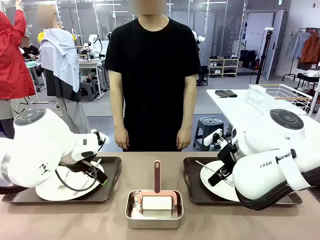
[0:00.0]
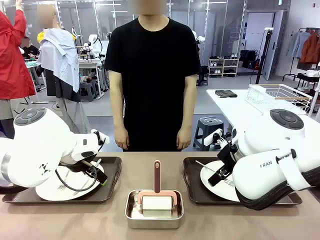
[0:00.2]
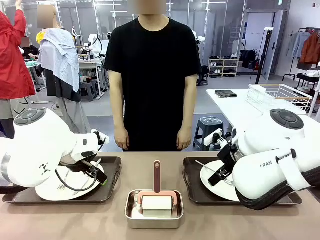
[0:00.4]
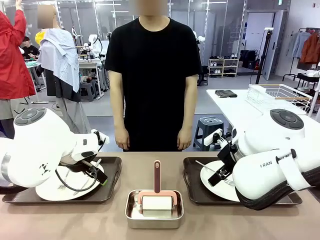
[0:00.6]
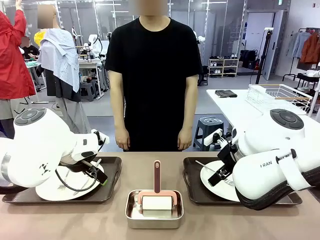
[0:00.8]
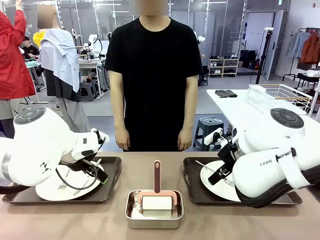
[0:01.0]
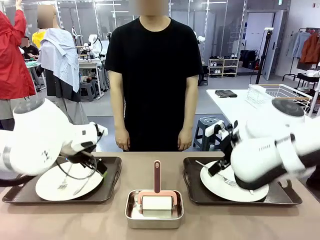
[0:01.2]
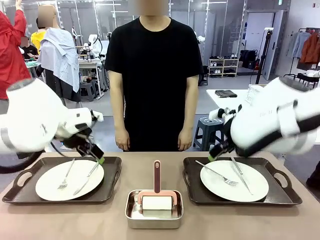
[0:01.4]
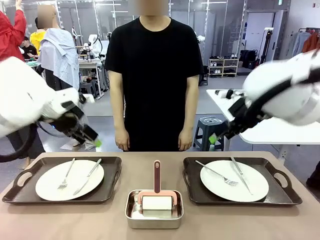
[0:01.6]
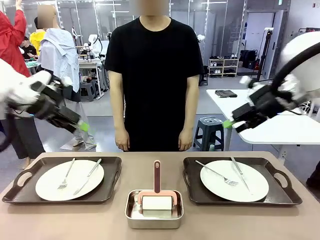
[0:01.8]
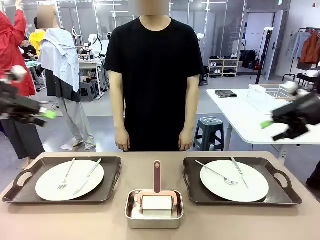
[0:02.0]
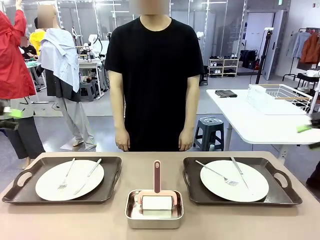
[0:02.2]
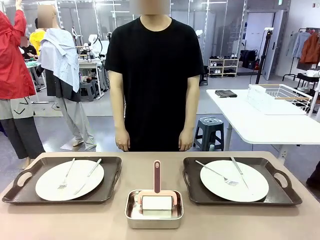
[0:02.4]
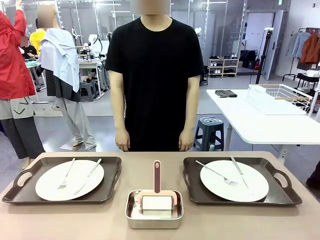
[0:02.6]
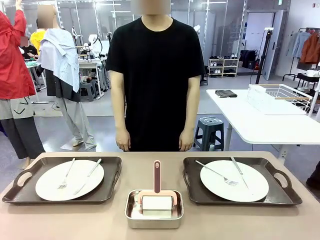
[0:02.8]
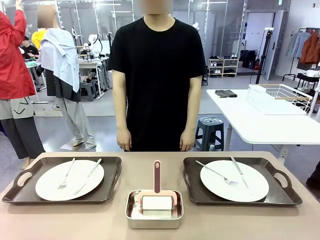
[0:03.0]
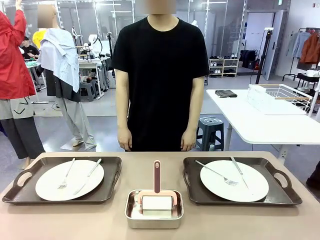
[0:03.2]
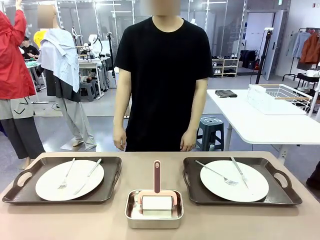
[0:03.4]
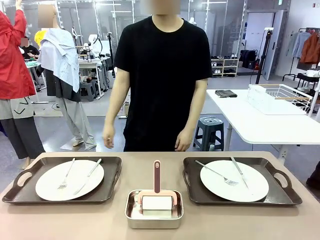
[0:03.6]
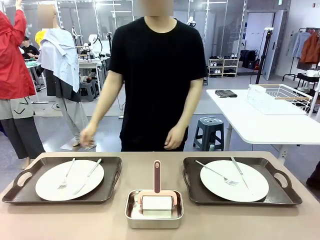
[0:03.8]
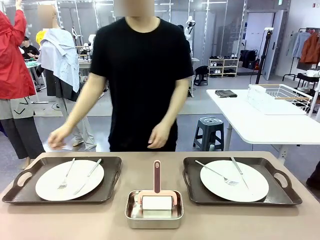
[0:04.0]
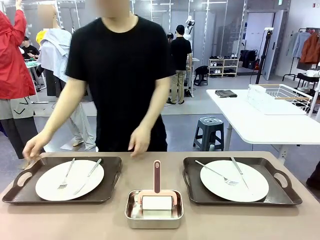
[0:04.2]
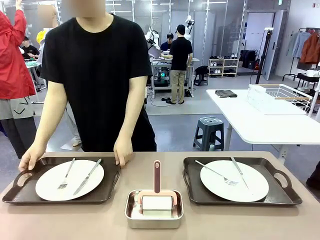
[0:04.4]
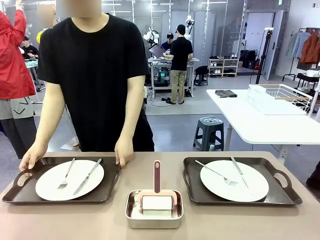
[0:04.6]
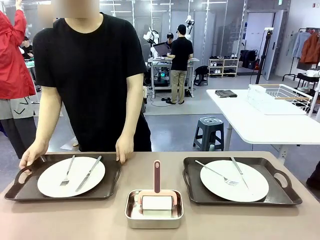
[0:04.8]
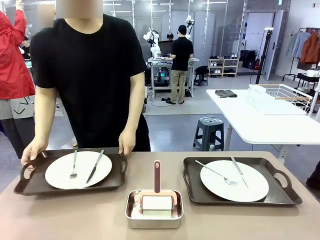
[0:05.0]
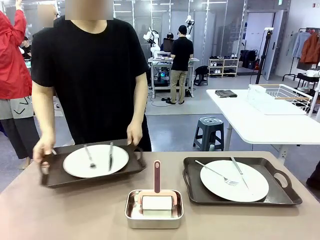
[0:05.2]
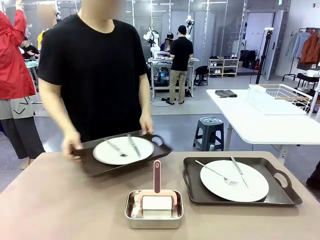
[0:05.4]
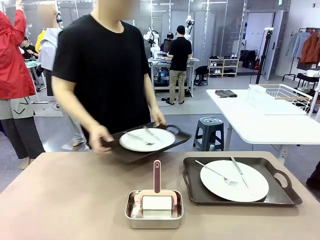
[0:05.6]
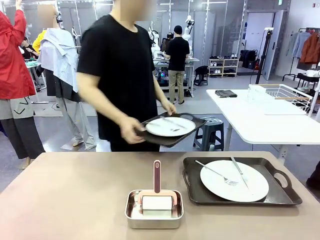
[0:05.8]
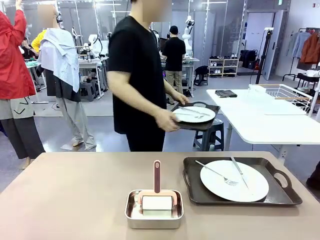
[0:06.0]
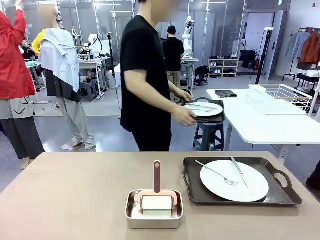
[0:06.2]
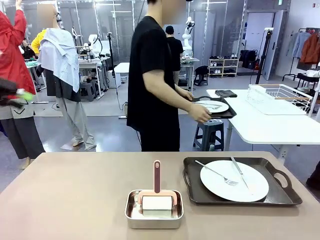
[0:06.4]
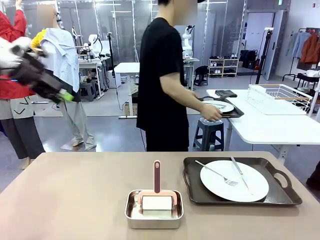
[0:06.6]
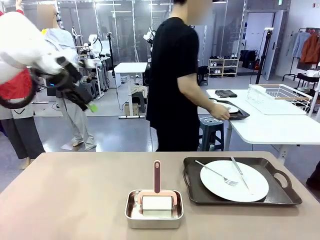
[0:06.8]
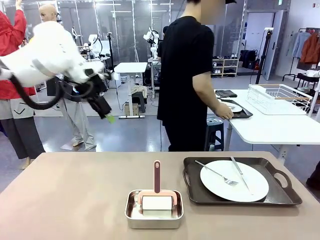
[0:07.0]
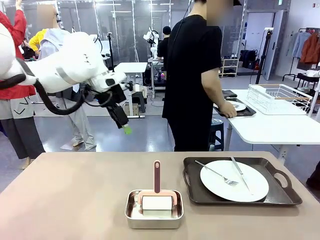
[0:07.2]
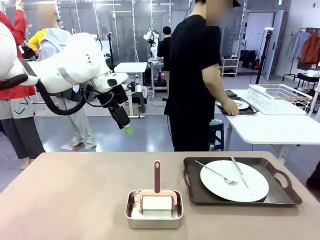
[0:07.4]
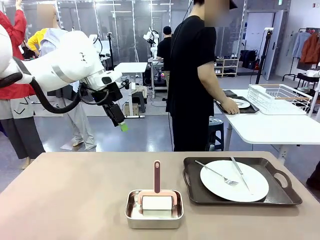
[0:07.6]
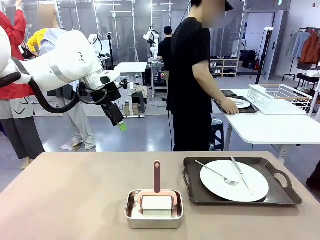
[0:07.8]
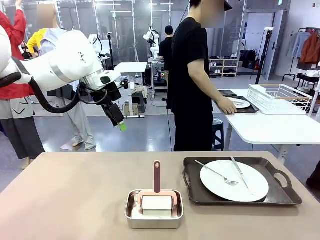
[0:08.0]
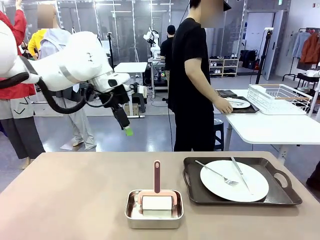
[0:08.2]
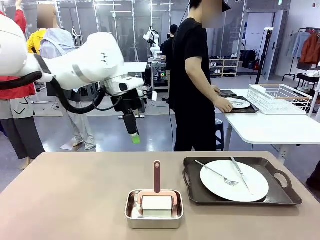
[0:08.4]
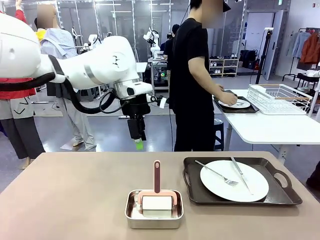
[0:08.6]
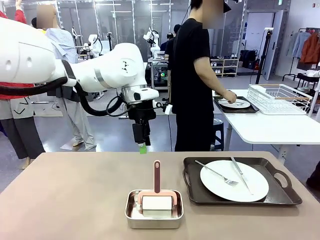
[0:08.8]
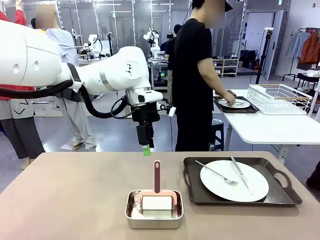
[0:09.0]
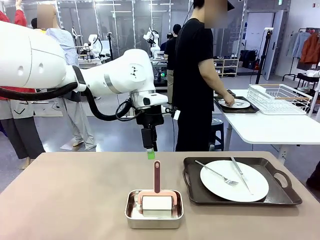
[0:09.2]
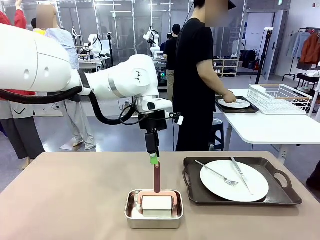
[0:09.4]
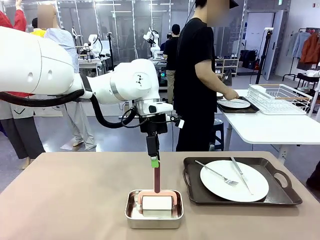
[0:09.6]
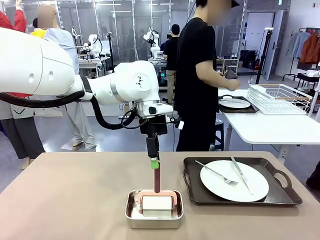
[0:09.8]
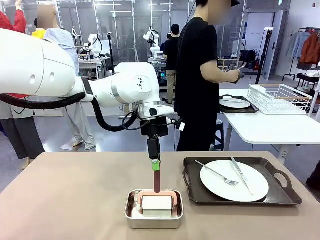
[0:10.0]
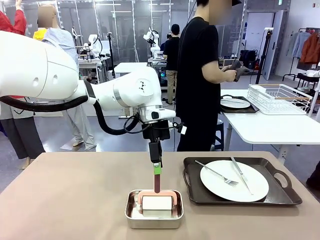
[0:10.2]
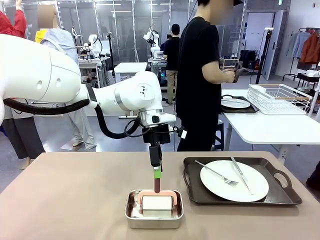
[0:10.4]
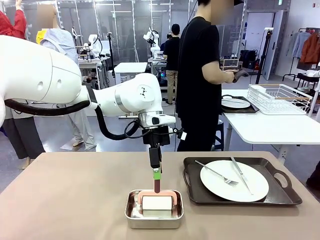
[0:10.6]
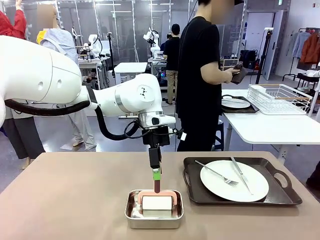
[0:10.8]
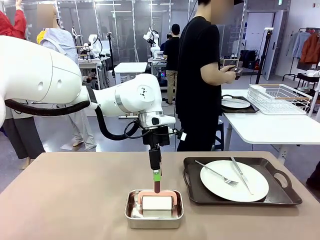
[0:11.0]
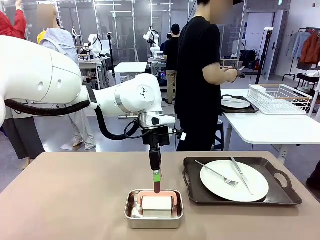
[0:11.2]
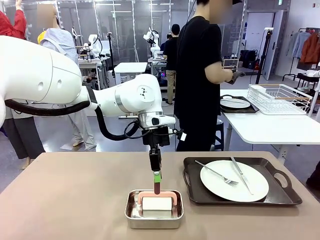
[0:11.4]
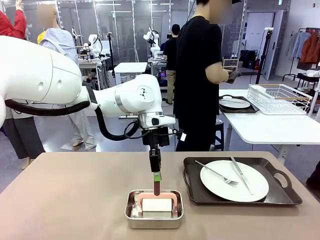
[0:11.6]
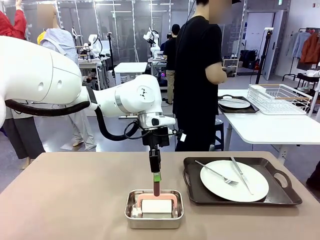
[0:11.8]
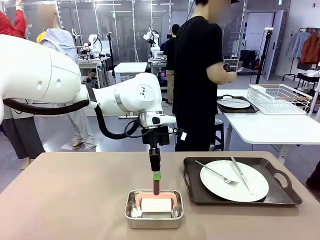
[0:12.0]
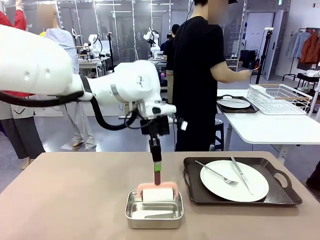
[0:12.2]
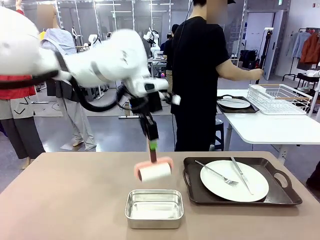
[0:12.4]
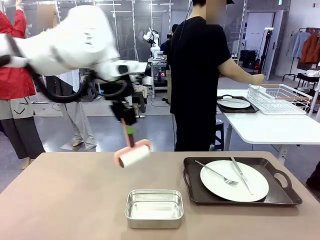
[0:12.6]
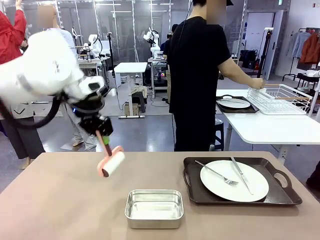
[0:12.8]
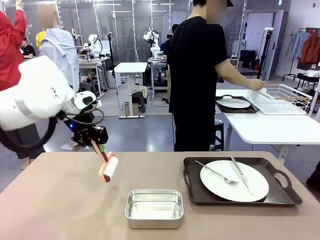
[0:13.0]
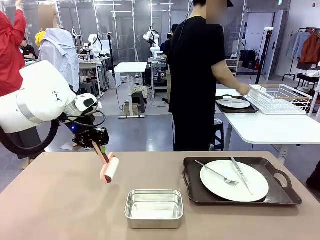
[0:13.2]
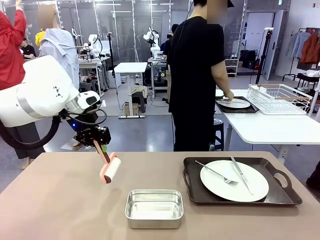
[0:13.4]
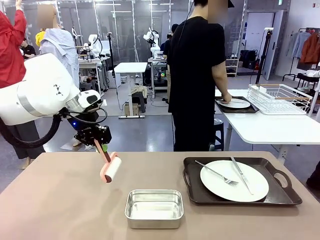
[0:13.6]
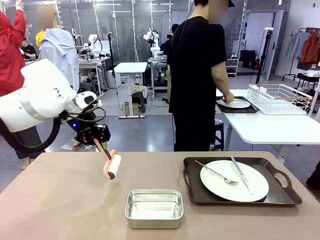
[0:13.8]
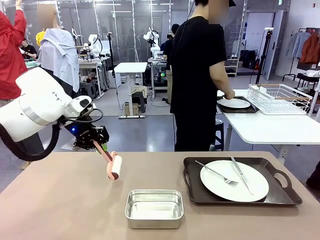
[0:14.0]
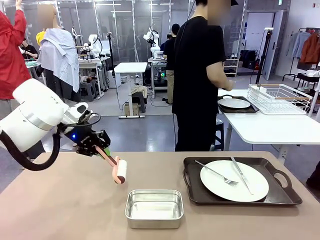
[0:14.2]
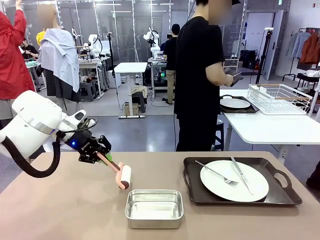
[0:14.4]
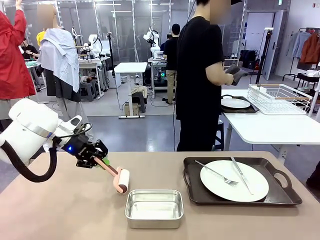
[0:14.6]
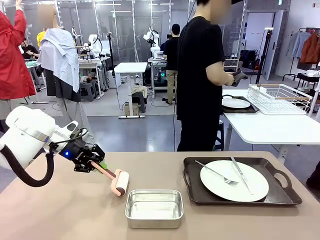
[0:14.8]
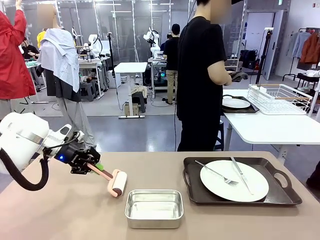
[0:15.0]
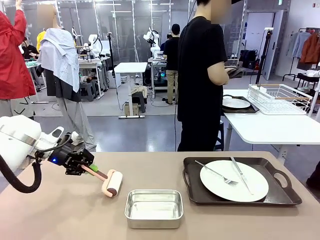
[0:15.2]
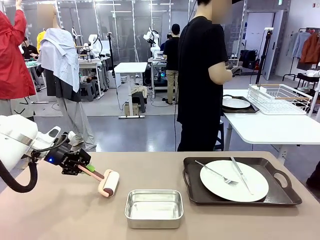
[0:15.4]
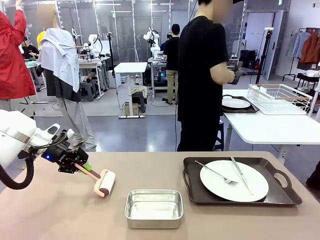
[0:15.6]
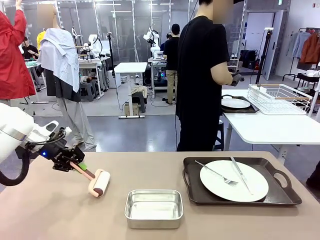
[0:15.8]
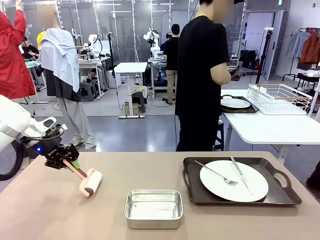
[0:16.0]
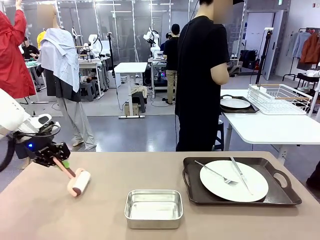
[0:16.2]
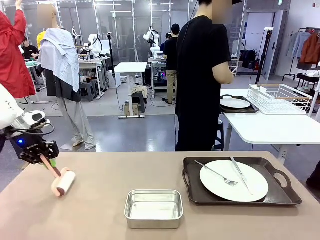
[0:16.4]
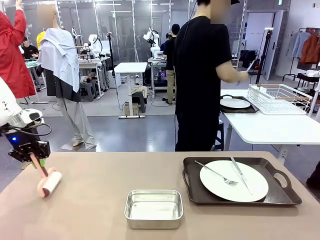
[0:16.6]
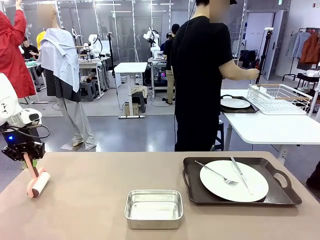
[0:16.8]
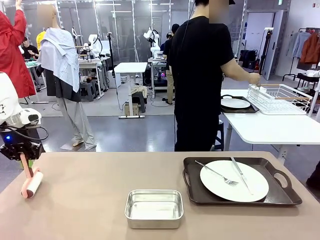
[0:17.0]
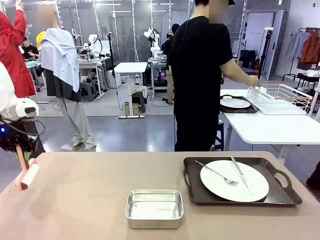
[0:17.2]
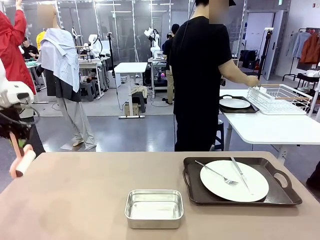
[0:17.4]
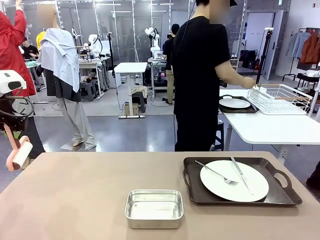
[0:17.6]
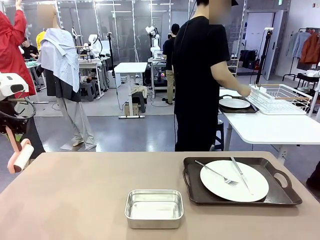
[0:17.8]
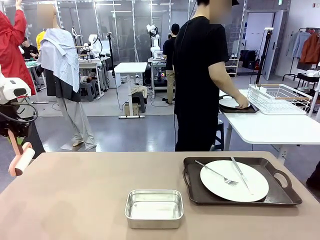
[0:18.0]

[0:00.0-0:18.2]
Robot: When the left (or right) Handle tray is removed, use the left hand (or right hand) to clean the left (or right) side of the table with the Lint Roller.
Person: Pick up the left (or right) Handle tray and place it on the middle of the Human's table. Use the Towel with hook to wipe the Plastic Matte Plate , Fork , and Knife and place into the Dish drying rack.

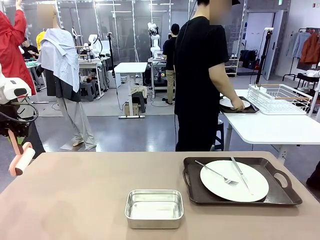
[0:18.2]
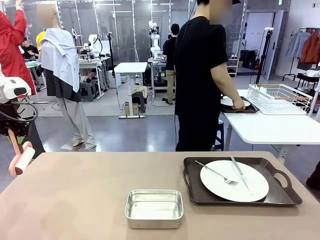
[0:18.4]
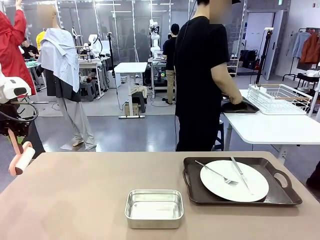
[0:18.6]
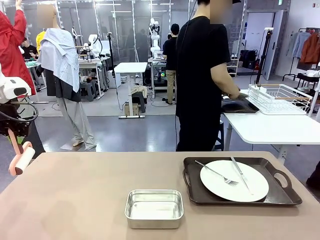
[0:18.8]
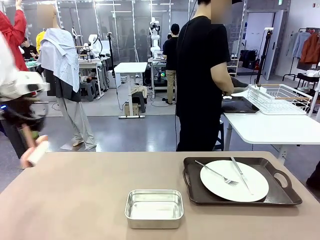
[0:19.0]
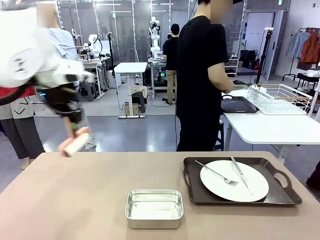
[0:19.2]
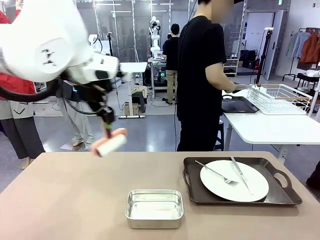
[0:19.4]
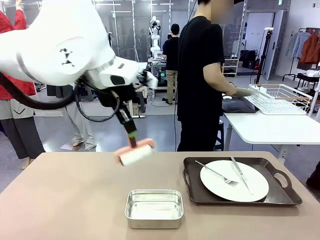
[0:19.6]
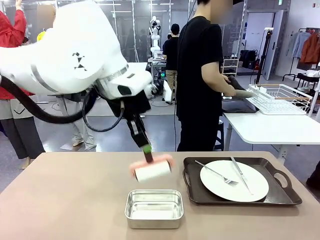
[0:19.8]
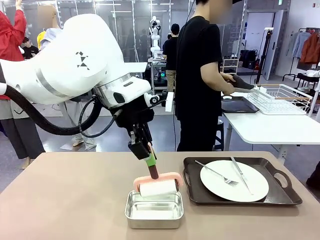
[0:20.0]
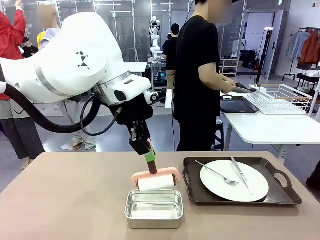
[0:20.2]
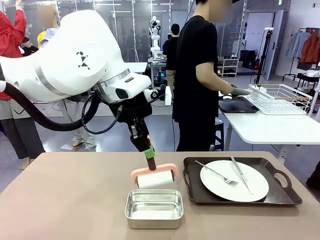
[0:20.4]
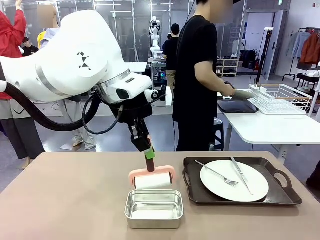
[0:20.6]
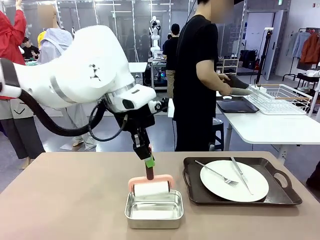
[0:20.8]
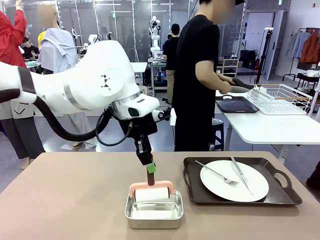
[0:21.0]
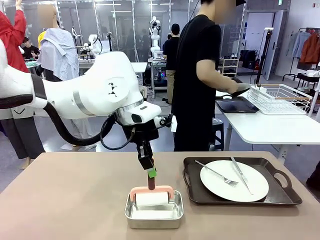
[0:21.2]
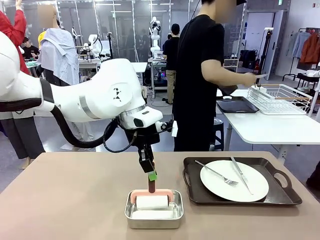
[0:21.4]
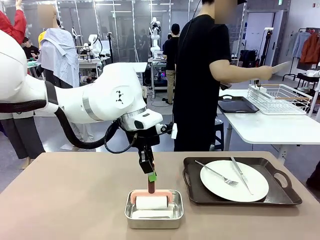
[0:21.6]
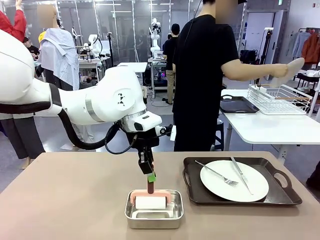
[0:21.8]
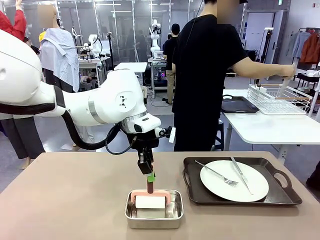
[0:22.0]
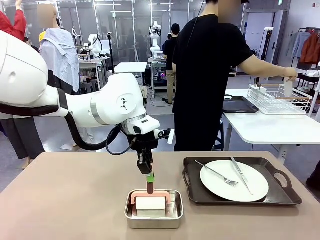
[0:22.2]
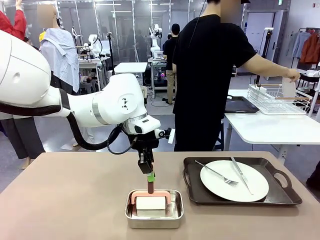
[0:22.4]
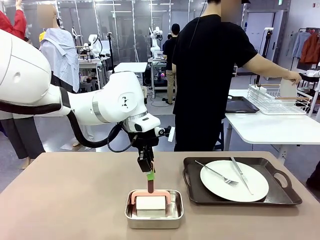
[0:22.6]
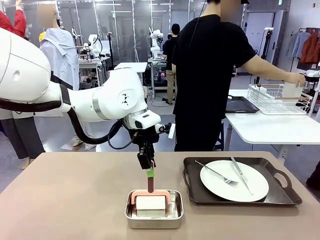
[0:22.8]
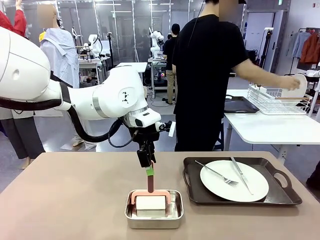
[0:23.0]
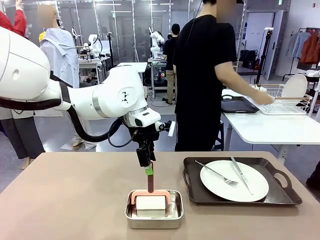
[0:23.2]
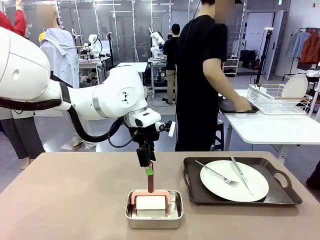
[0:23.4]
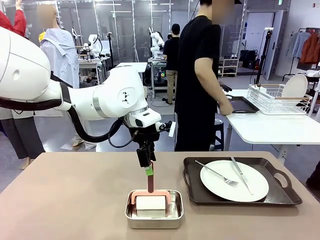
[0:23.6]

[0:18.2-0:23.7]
Robot: Place the Lint Roller back on top of the Airtight Container.
